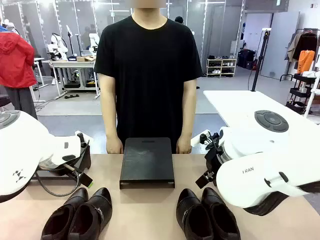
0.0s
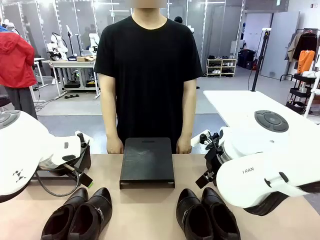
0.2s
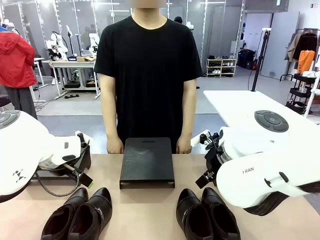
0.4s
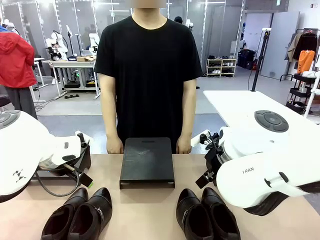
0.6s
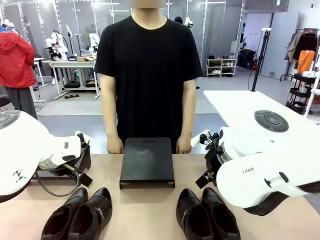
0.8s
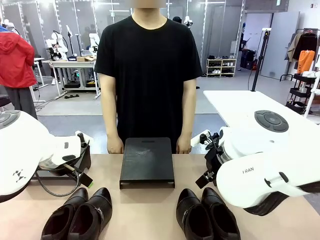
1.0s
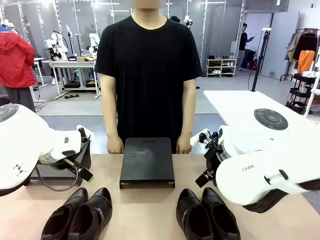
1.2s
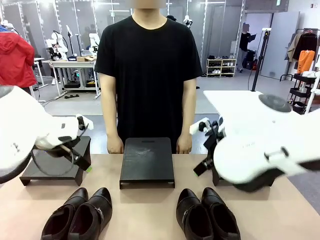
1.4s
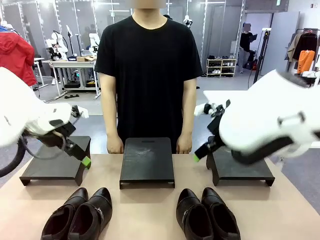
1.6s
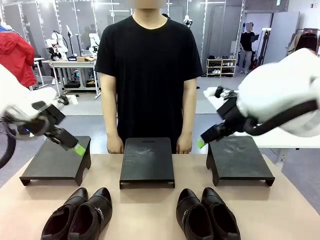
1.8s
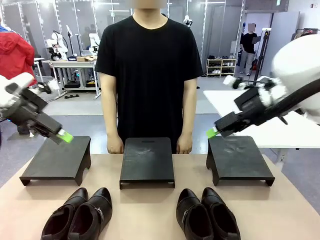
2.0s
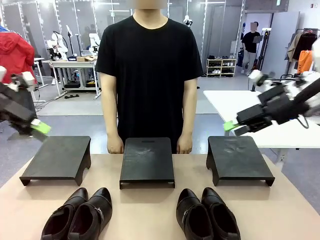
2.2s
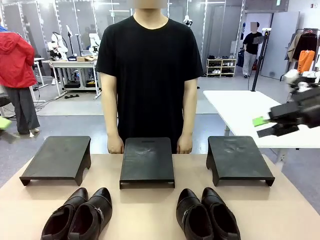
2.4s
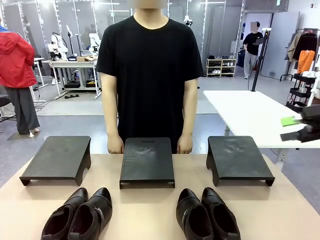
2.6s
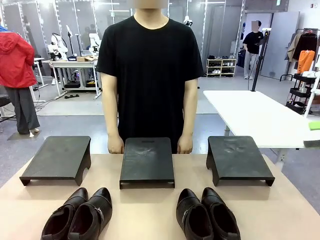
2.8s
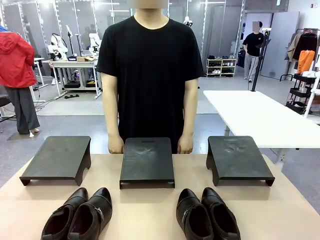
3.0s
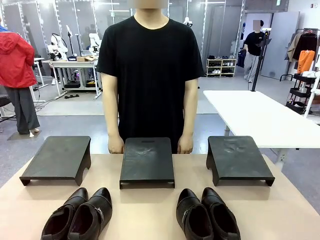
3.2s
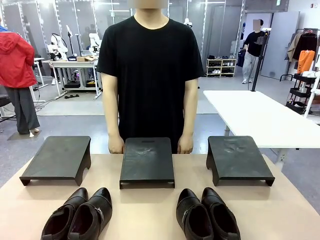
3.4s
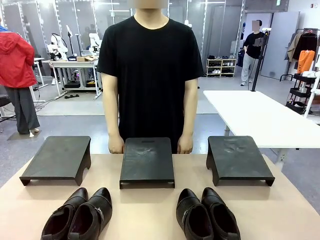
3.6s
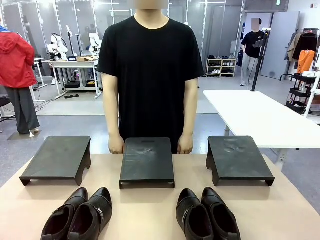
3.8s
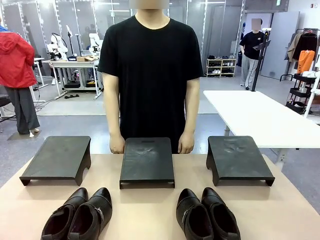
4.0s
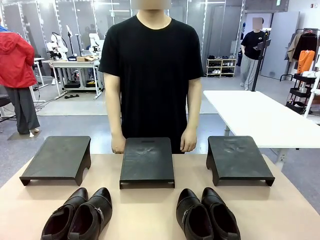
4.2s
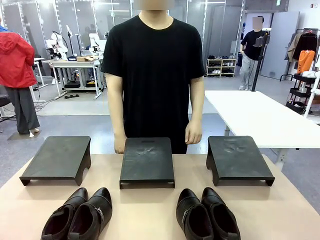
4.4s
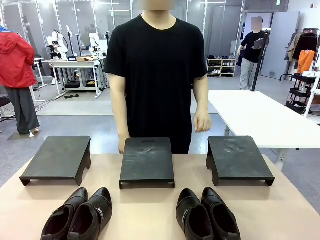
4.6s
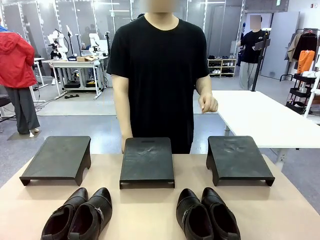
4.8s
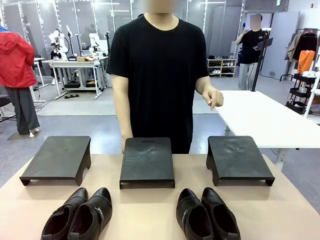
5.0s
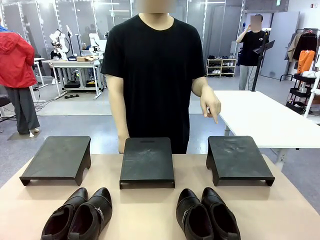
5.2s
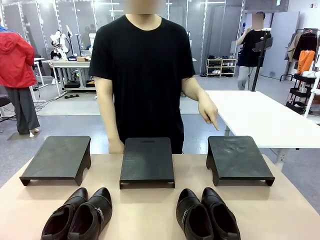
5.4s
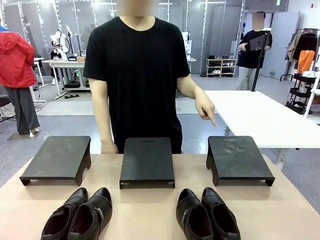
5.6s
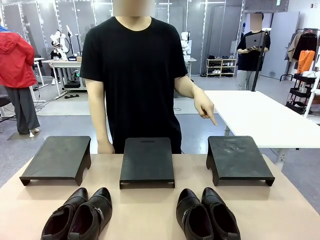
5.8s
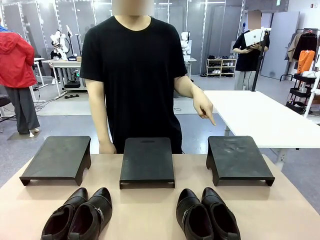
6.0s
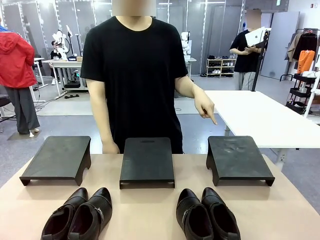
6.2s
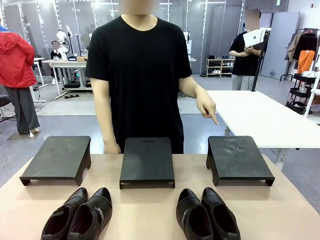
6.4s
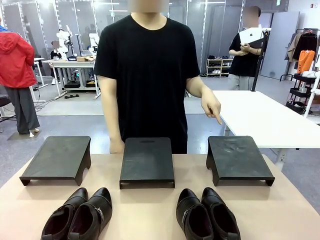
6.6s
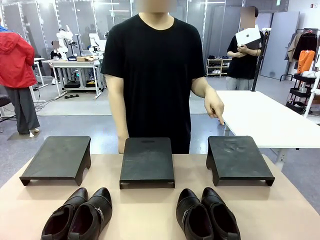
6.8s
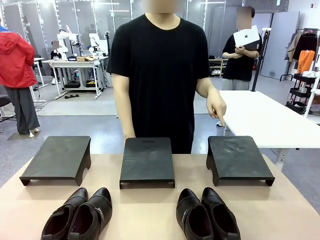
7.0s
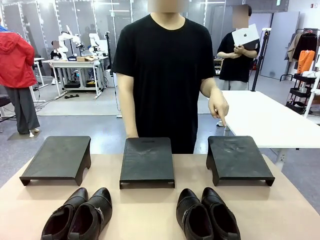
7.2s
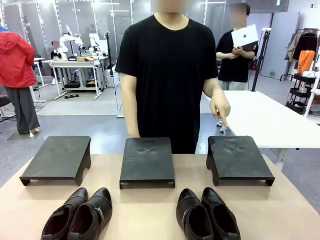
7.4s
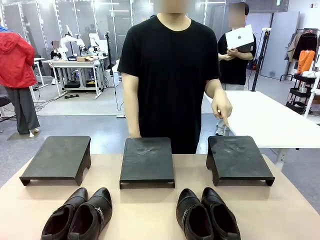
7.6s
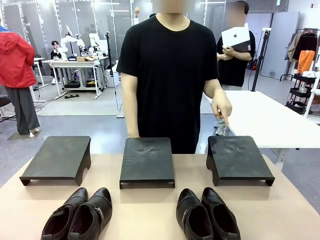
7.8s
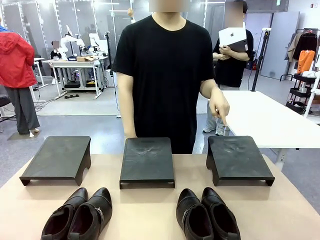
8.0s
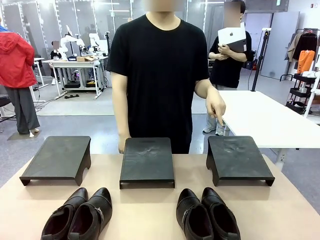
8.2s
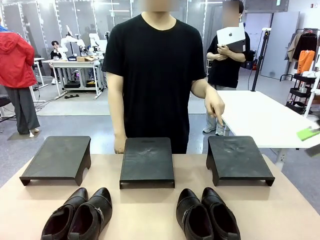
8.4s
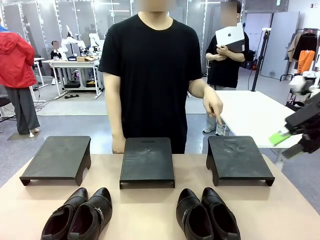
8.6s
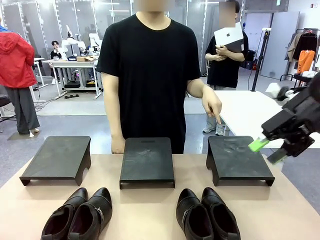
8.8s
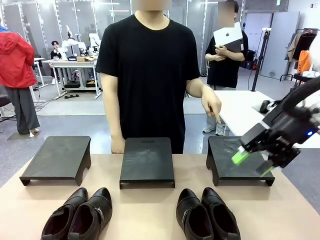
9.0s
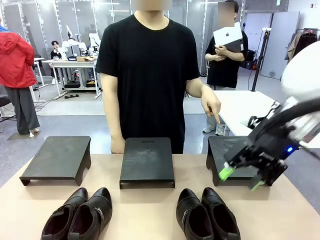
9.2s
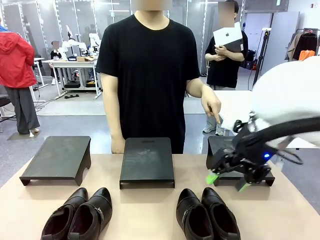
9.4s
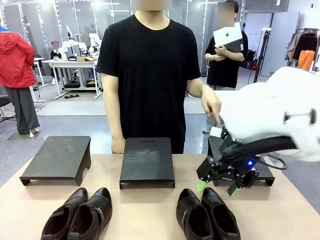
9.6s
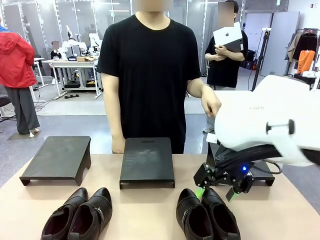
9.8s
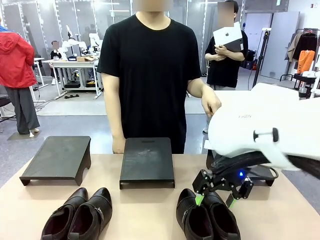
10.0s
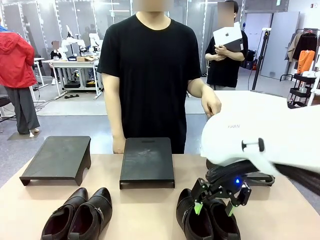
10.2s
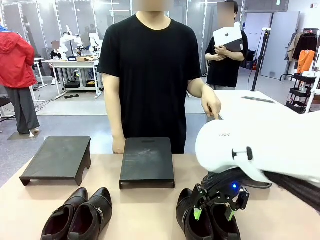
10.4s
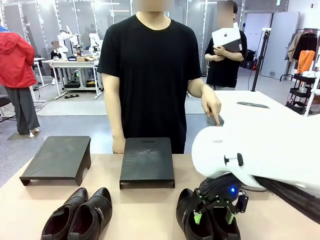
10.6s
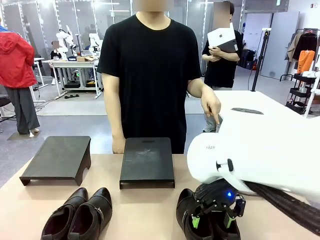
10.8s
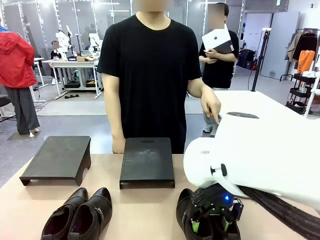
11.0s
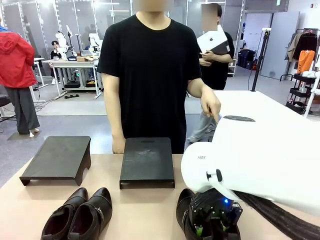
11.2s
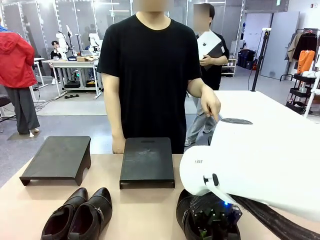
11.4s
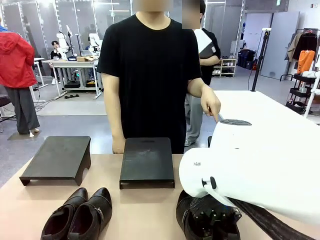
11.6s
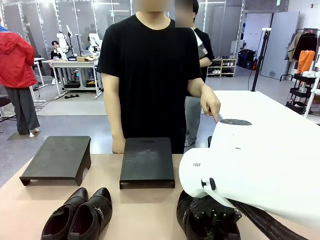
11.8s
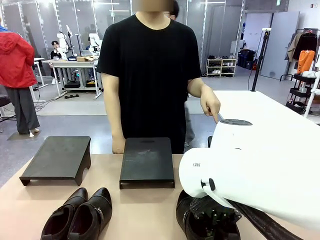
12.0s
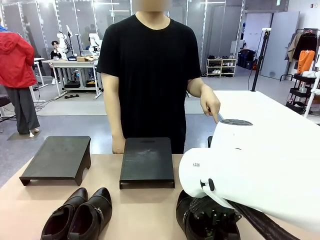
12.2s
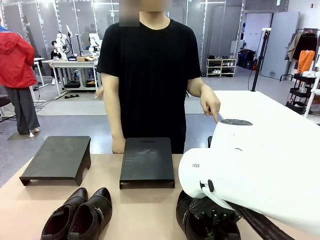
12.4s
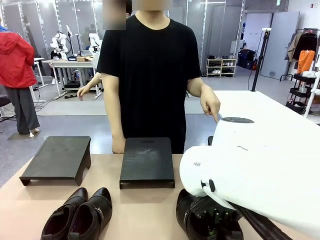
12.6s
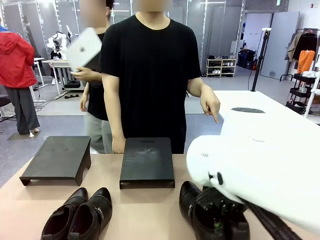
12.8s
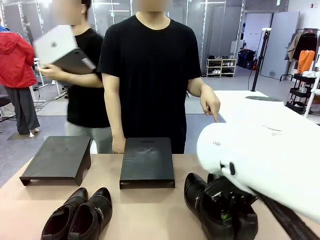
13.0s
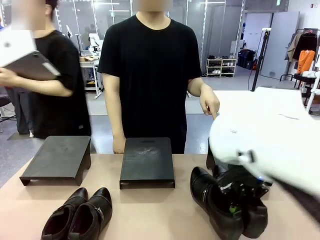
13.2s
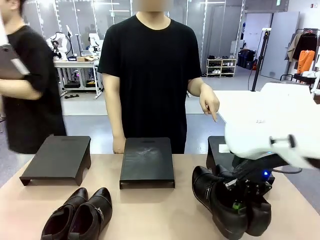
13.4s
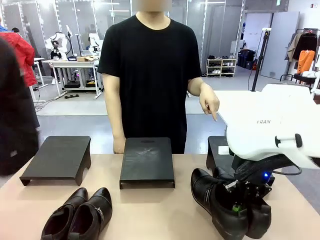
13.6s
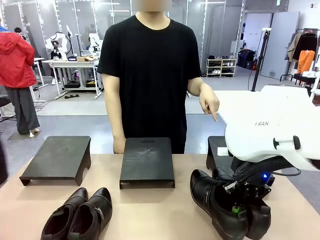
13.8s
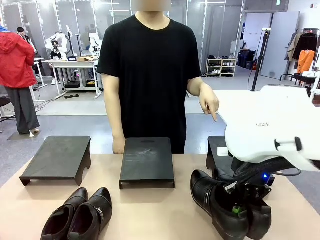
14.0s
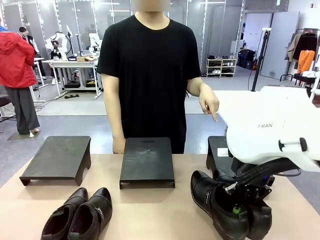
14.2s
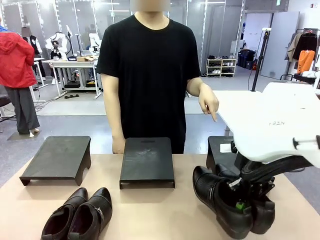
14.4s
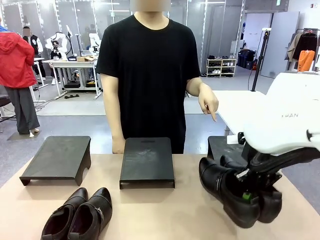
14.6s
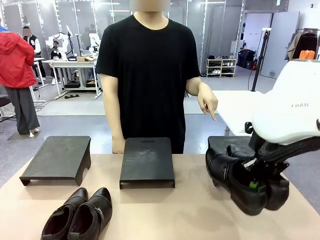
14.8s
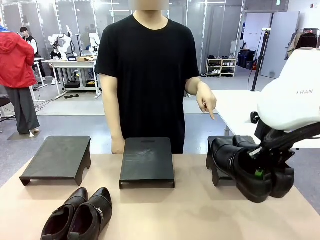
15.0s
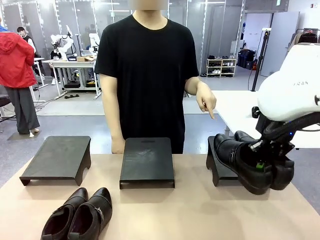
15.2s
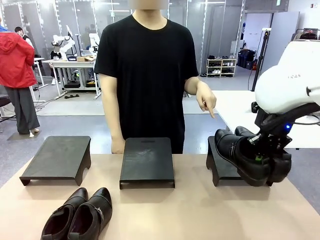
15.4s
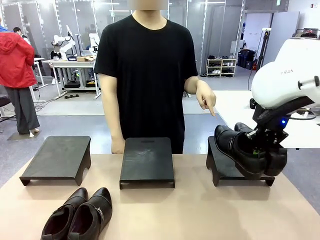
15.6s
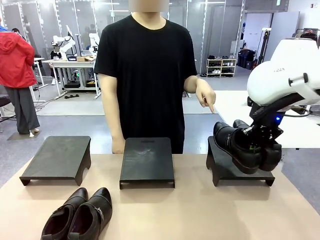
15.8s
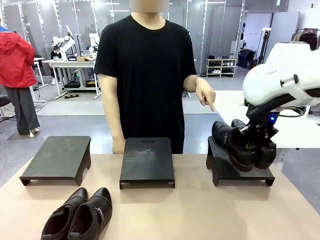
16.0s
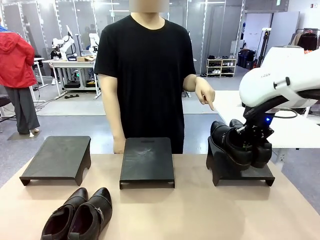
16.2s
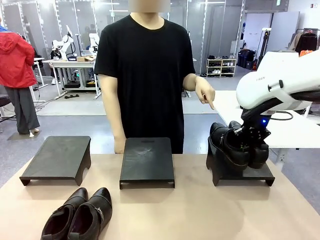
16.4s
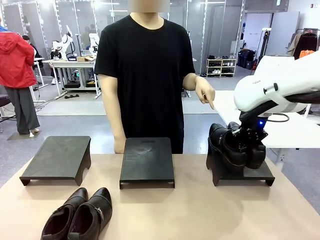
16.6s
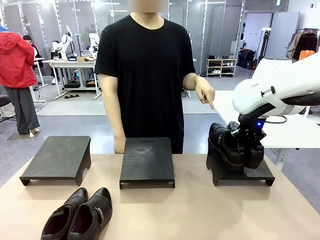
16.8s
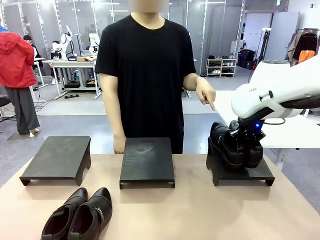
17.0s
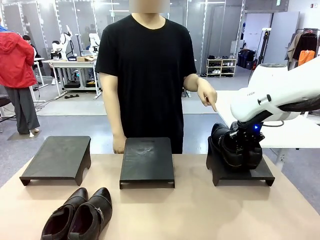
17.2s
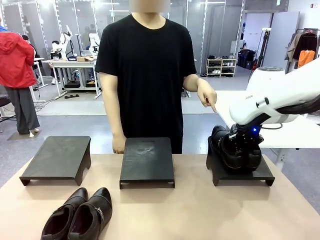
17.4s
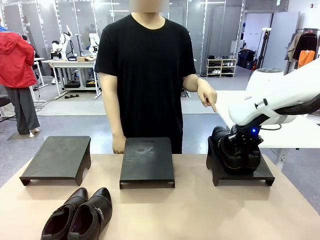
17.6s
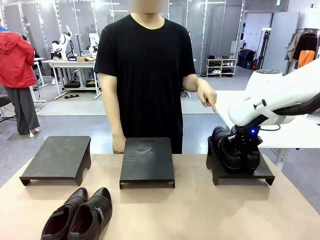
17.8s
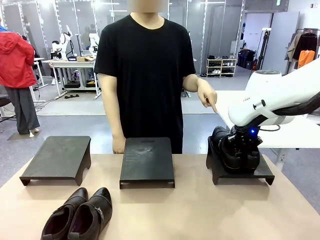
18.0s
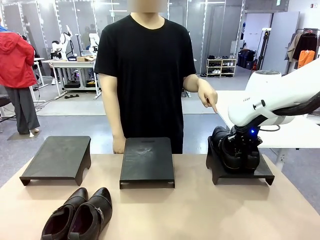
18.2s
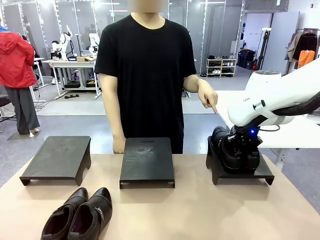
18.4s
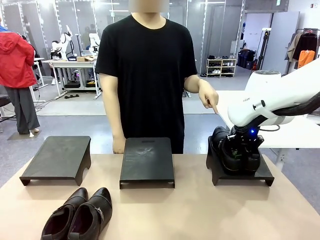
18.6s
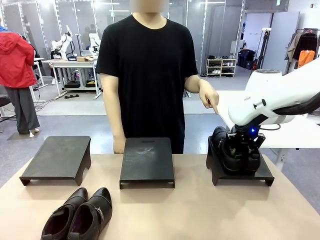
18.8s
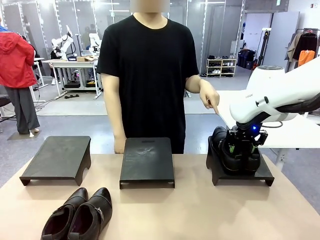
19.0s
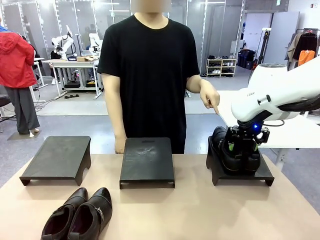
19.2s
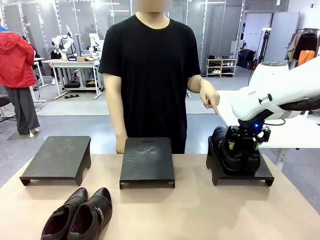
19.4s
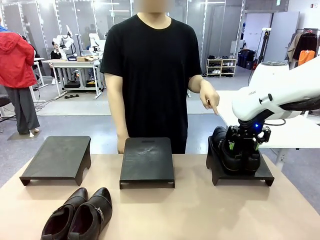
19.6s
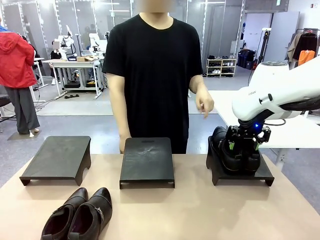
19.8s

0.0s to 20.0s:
Task: Place the shoes on the stand as instructed by the person.
Robot: Pick up one pair of Shoes and place it on the Shoes Stand indicated by the person.
